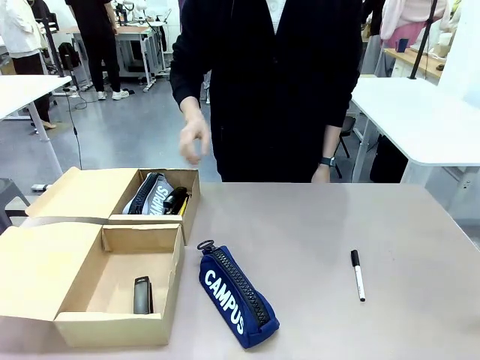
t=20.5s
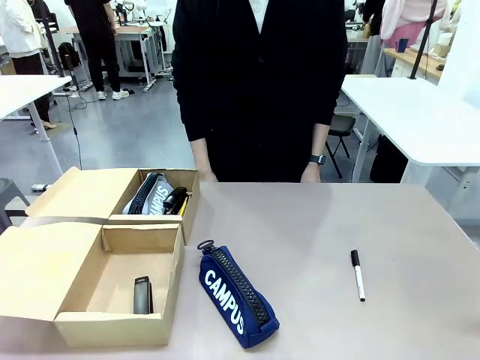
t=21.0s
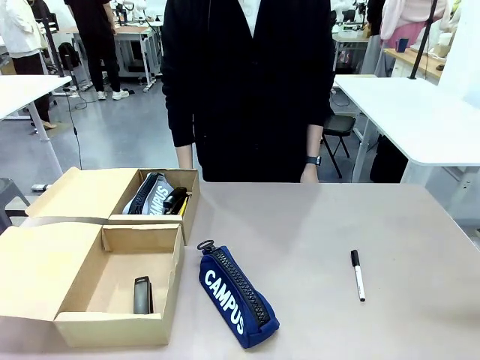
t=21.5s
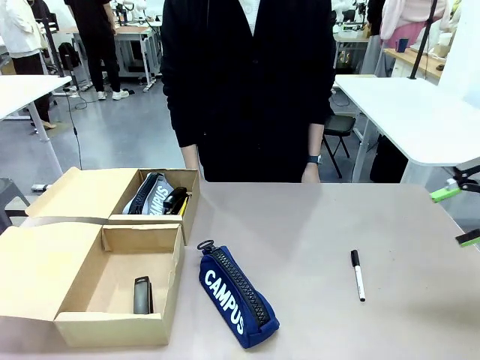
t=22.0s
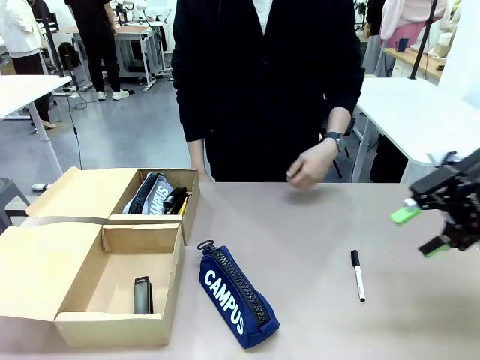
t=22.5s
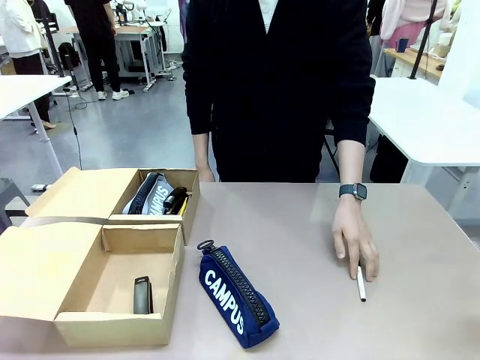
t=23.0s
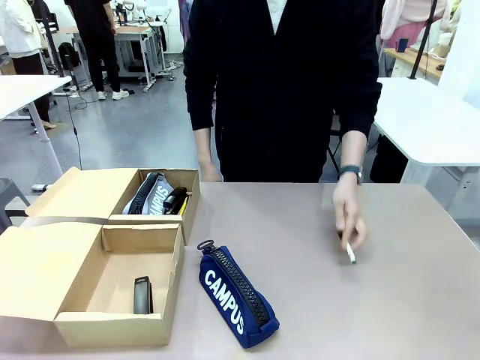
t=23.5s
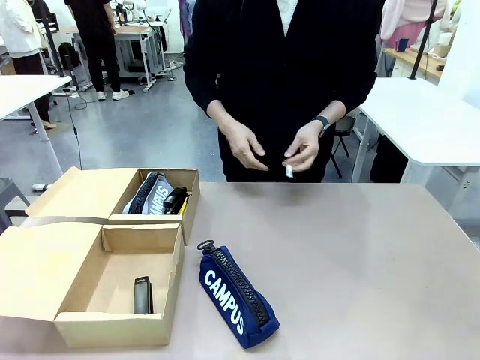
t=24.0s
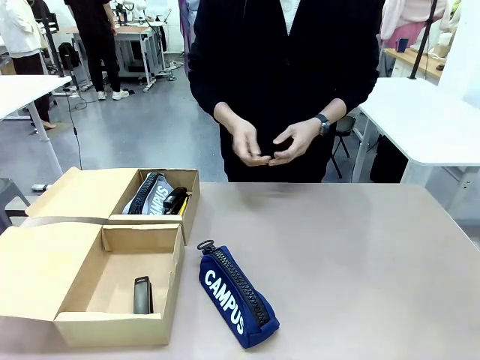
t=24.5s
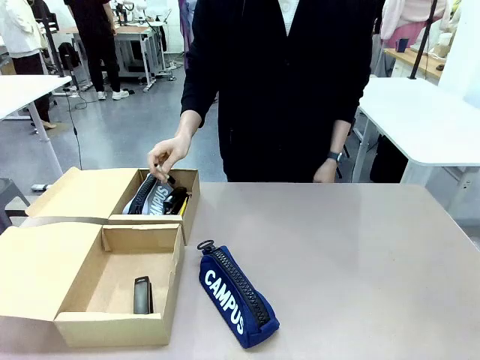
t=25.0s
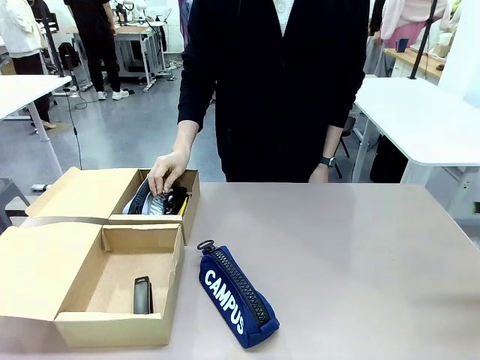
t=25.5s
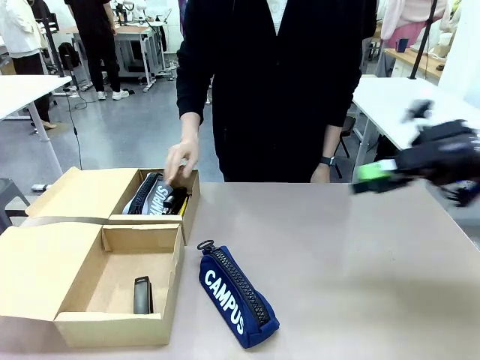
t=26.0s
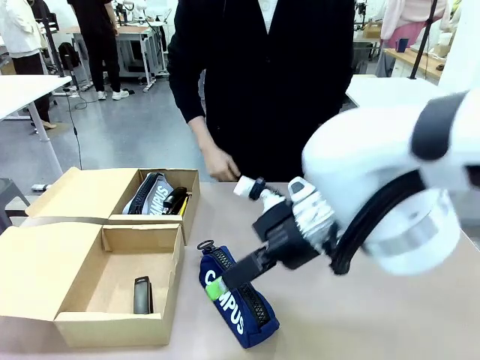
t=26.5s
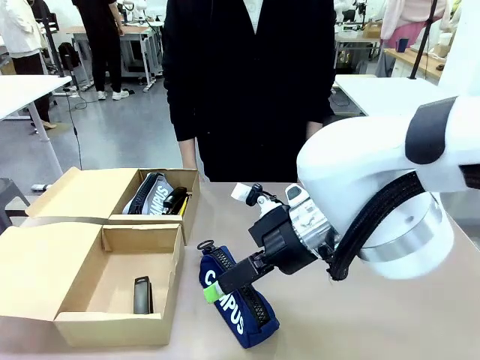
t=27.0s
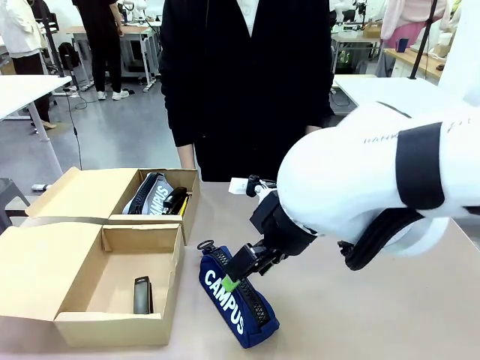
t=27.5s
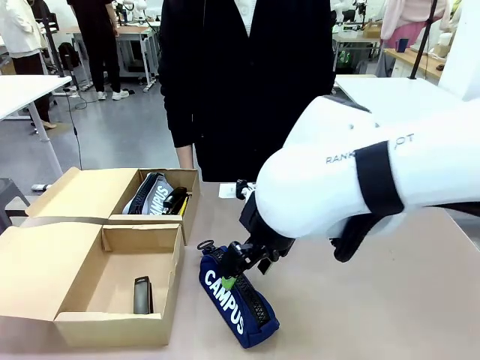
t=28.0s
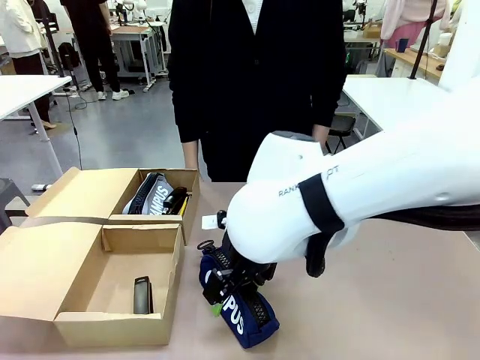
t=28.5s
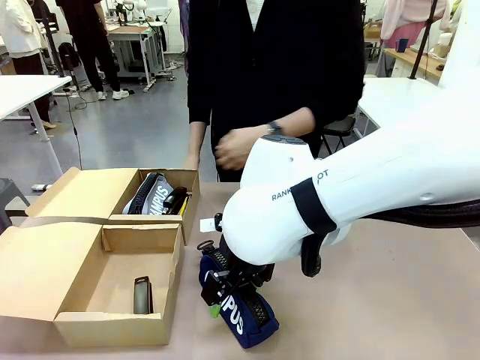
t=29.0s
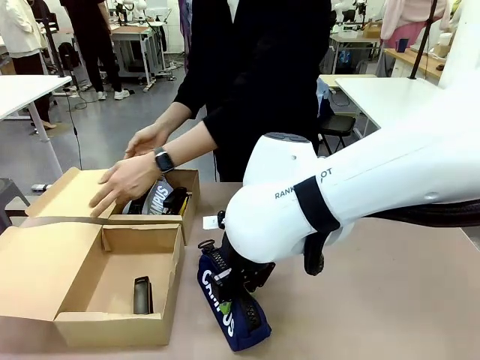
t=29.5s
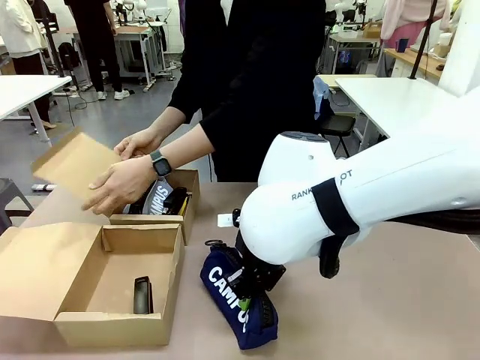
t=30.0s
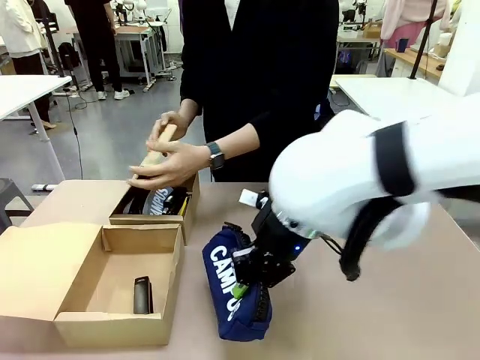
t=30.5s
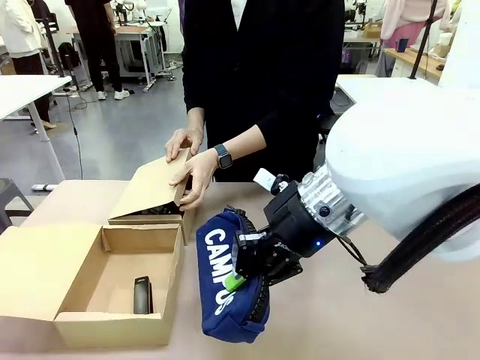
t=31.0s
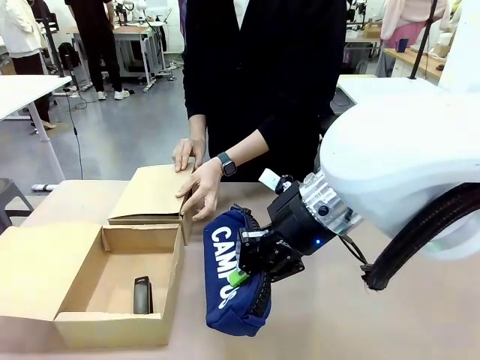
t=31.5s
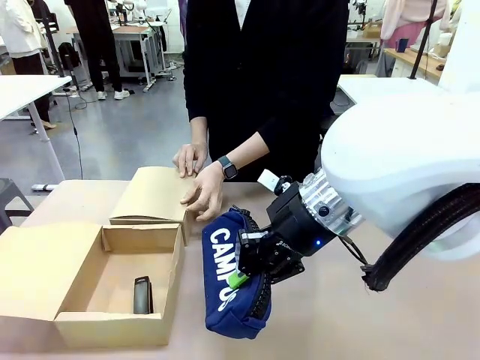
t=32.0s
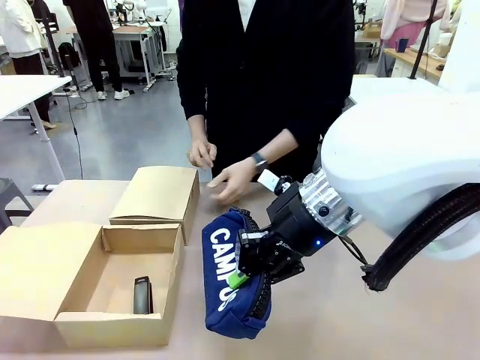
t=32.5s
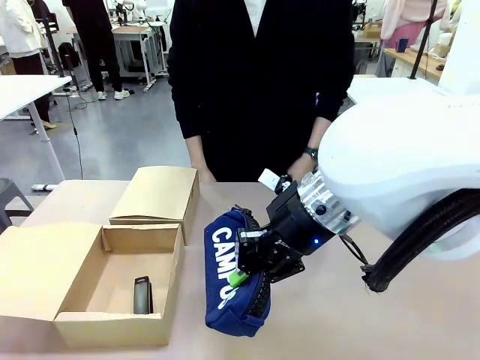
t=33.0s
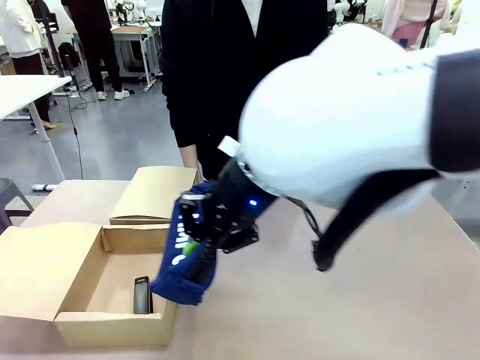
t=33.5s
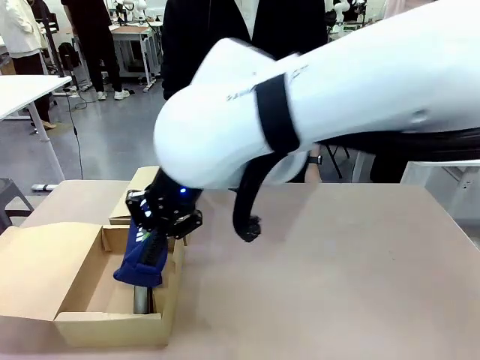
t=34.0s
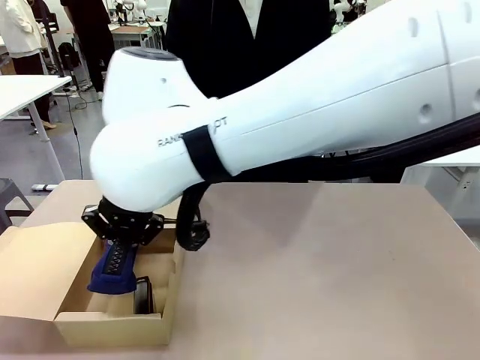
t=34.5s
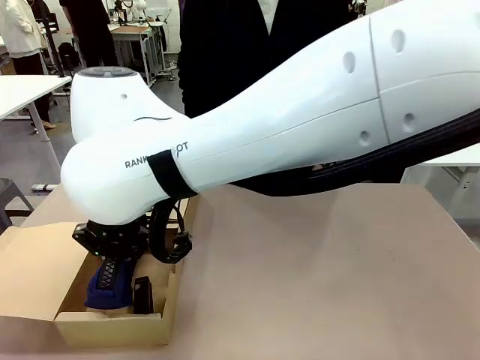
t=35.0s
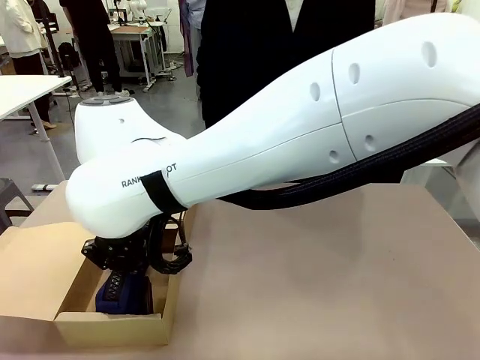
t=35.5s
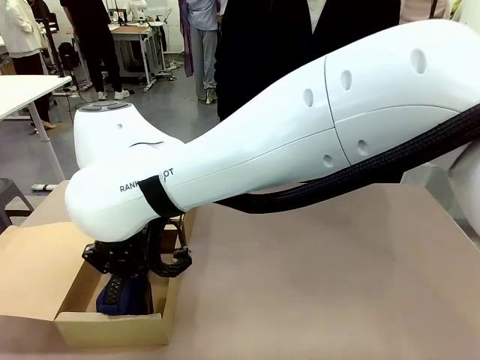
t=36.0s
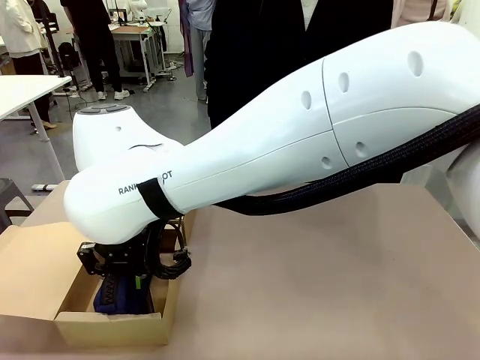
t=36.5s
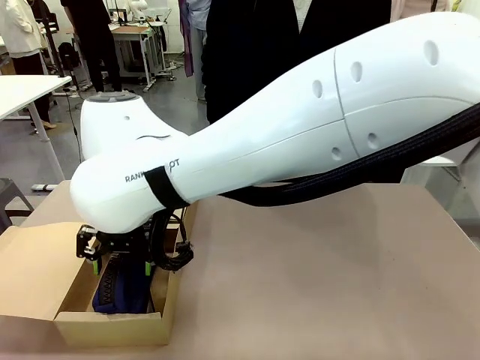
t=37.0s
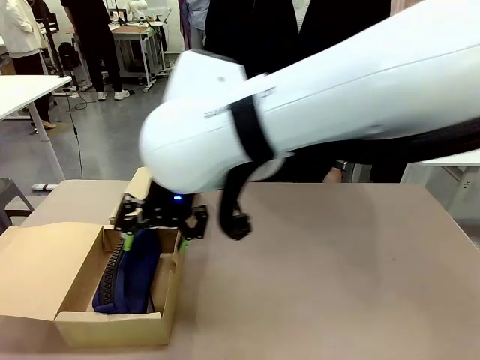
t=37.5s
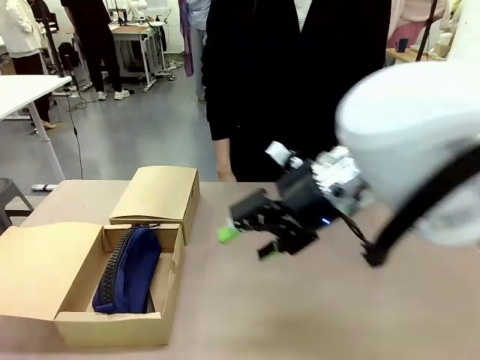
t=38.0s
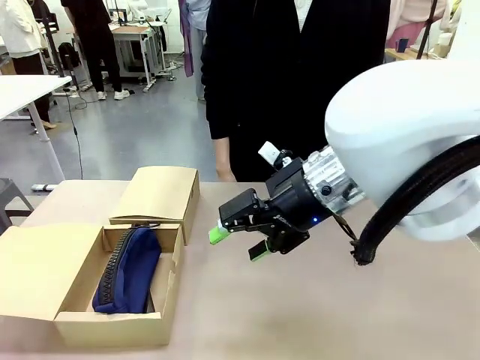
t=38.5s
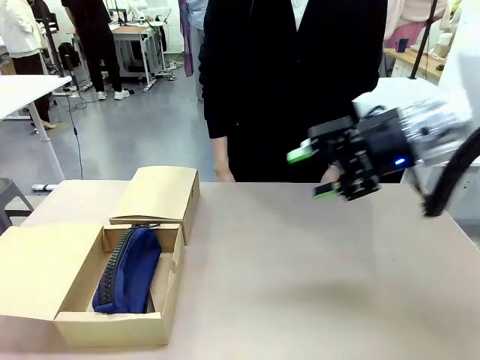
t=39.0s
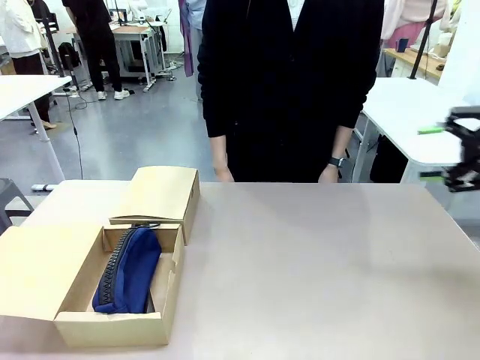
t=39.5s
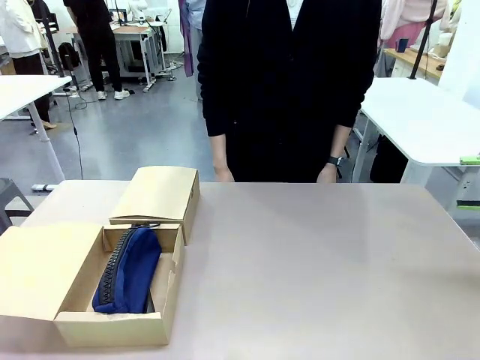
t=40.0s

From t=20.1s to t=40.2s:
Task: Place items inside the box.
Robot: Pick up a Pencil pouch or Stapler and place it inside the Mailer Box closest to the robot.
Person: Close the lid of the box facing the person.

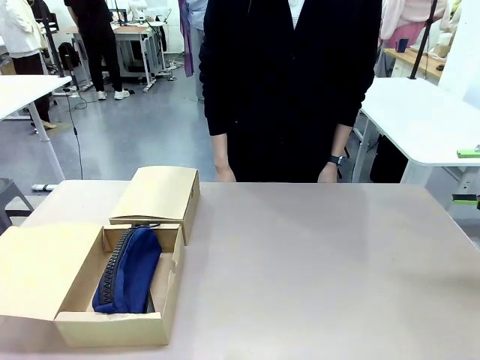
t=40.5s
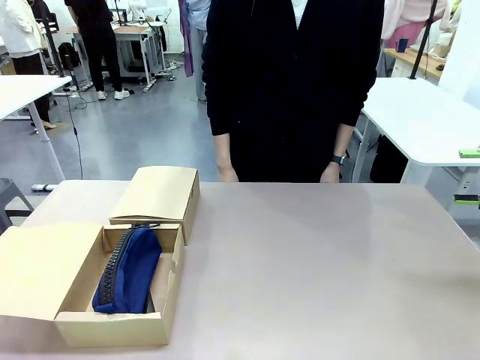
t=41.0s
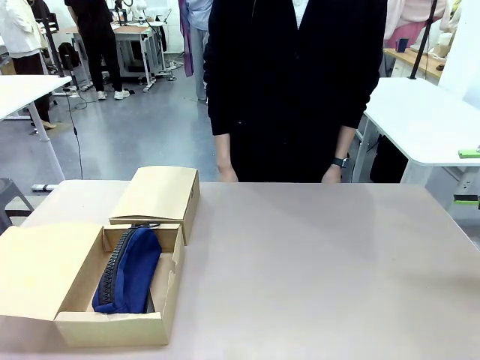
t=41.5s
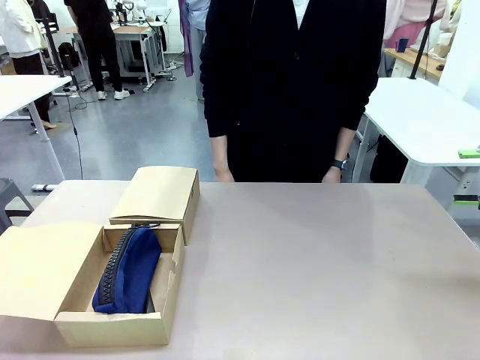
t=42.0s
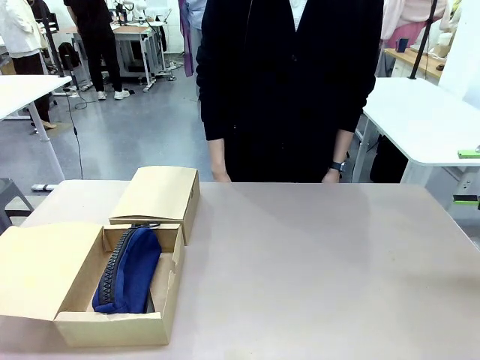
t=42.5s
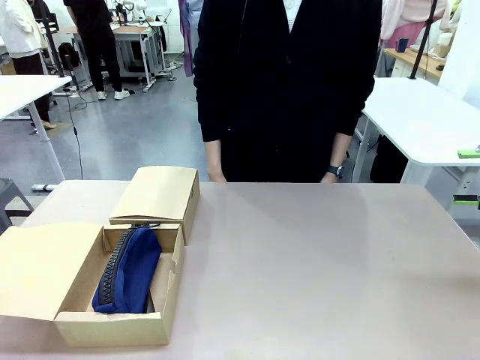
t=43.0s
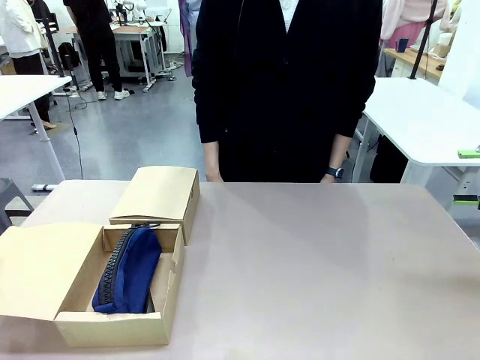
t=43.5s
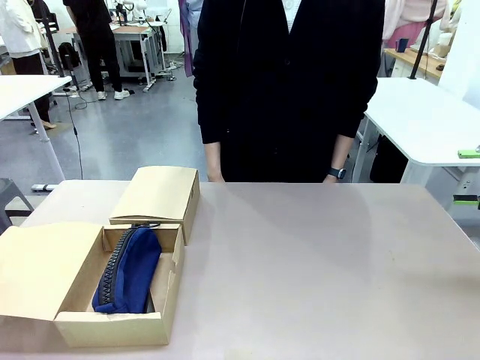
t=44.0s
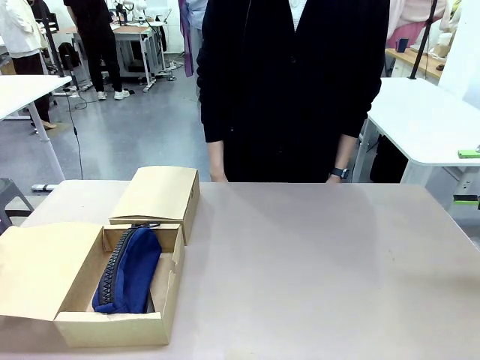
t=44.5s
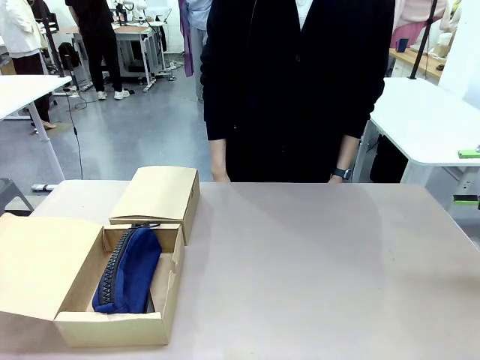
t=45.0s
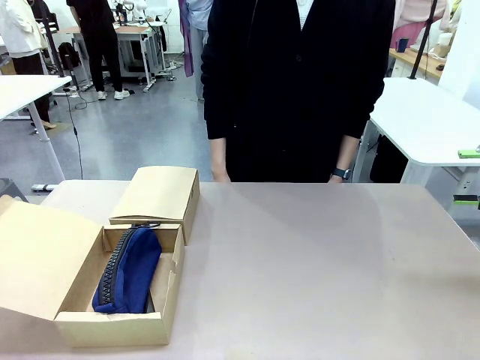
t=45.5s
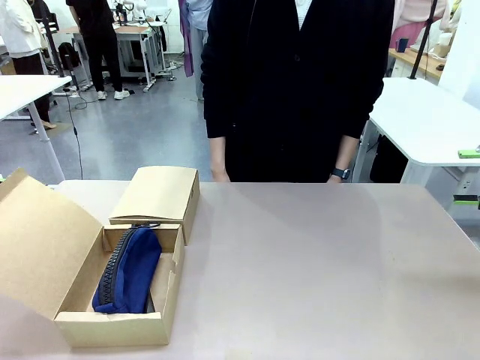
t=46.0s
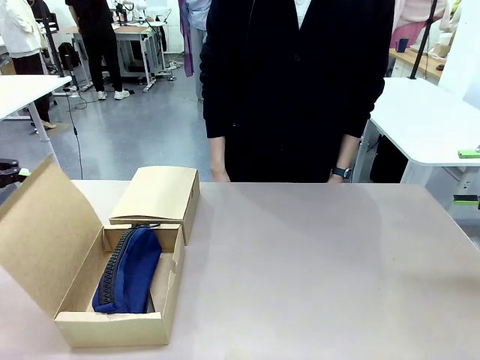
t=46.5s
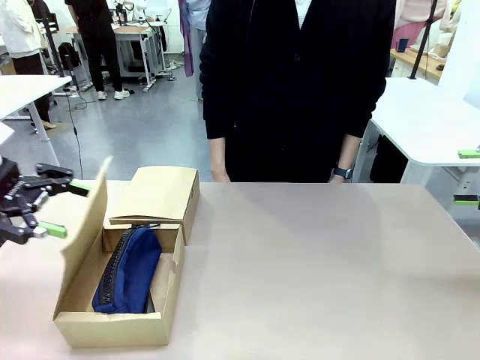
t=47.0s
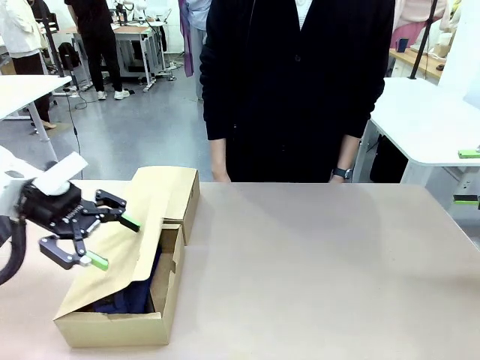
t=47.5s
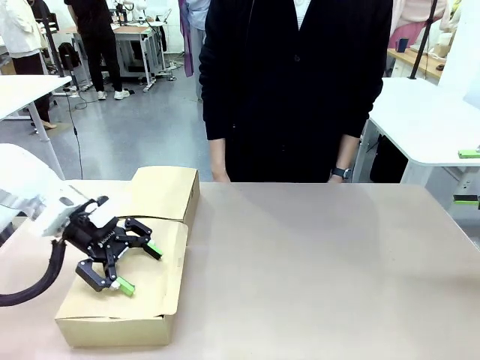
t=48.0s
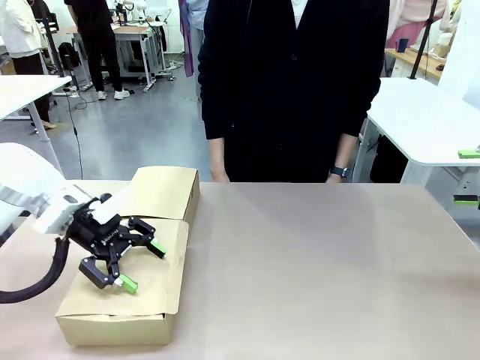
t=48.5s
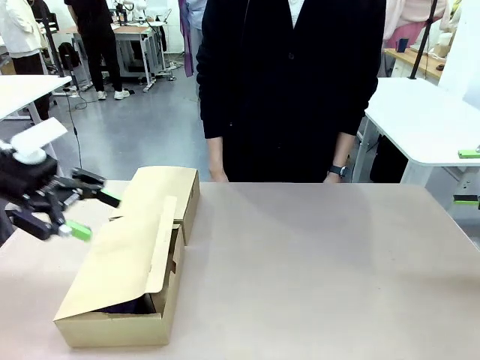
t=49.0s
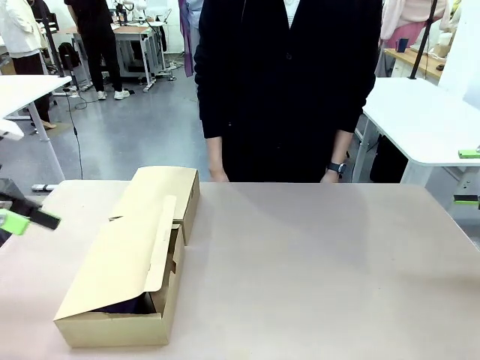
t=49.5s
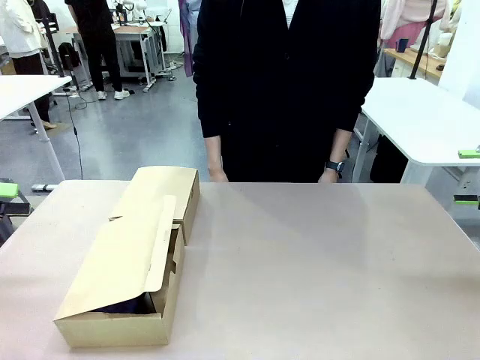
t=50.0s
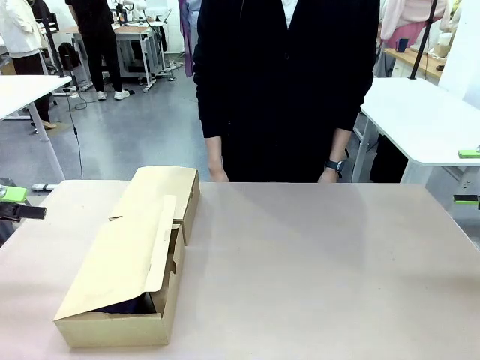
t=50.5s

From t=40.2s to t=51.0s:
Robot: Close the lid of the Mailer Box closest to the robot.
